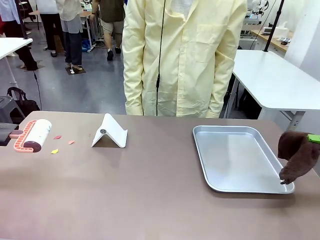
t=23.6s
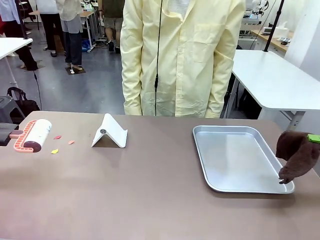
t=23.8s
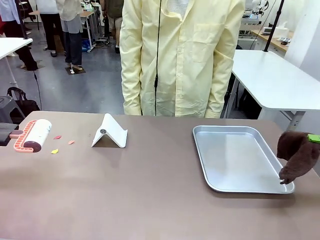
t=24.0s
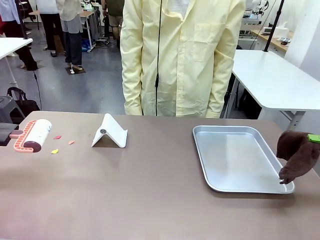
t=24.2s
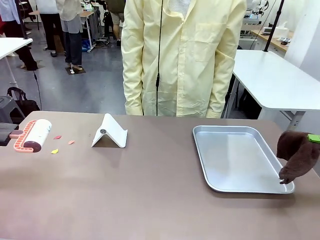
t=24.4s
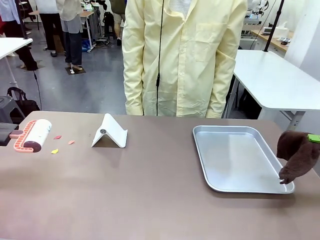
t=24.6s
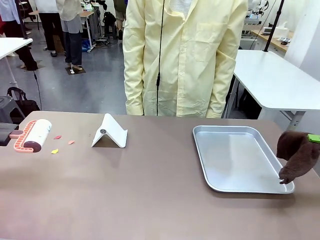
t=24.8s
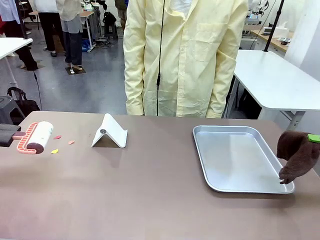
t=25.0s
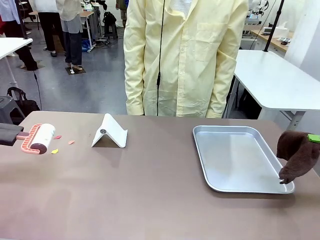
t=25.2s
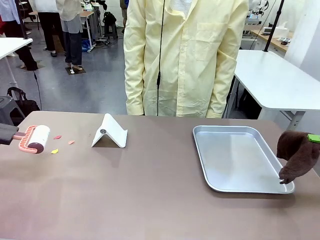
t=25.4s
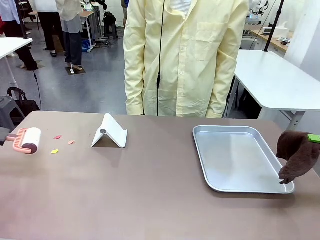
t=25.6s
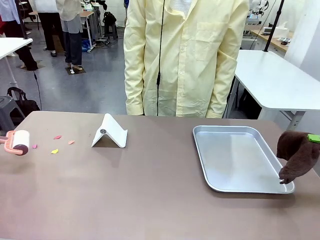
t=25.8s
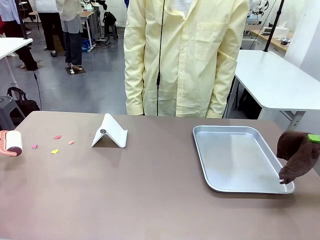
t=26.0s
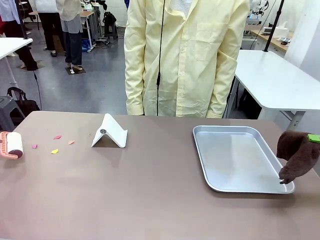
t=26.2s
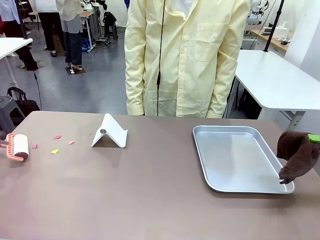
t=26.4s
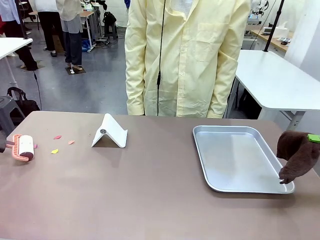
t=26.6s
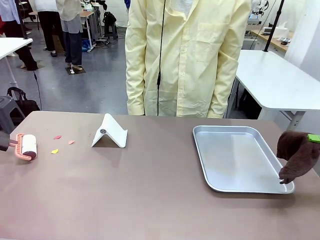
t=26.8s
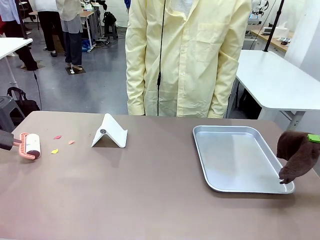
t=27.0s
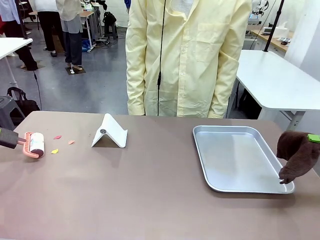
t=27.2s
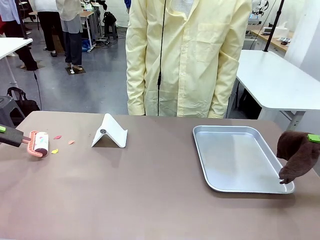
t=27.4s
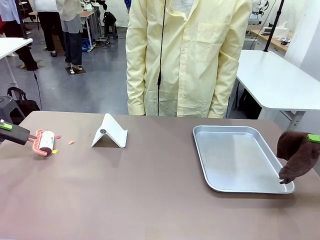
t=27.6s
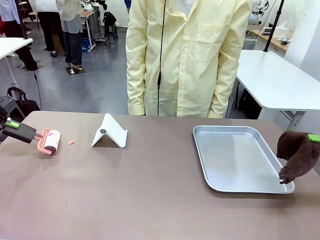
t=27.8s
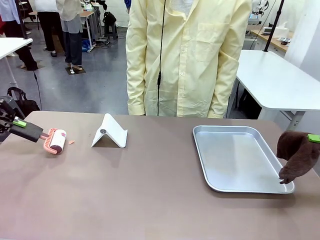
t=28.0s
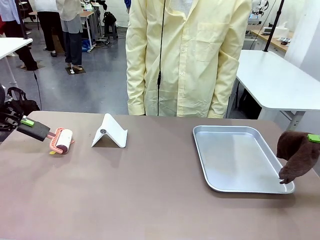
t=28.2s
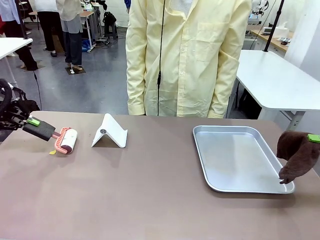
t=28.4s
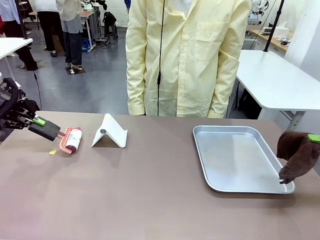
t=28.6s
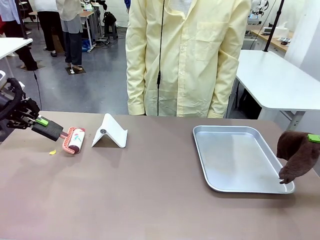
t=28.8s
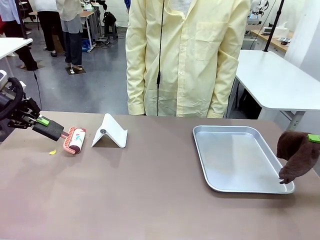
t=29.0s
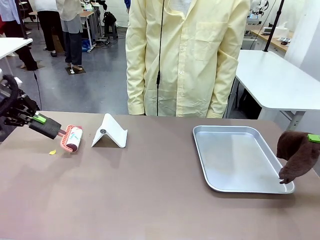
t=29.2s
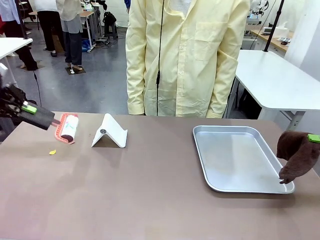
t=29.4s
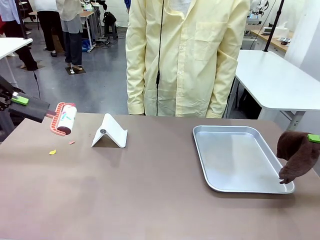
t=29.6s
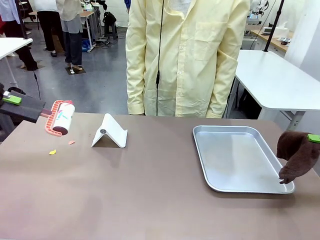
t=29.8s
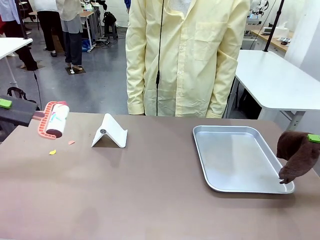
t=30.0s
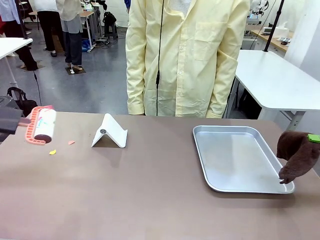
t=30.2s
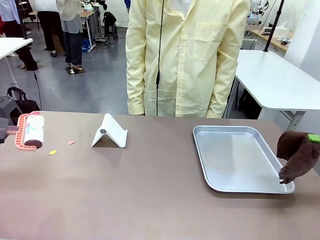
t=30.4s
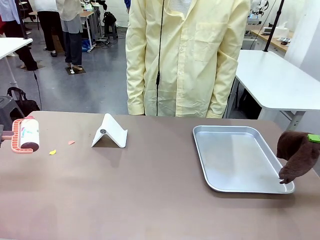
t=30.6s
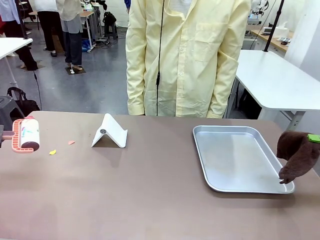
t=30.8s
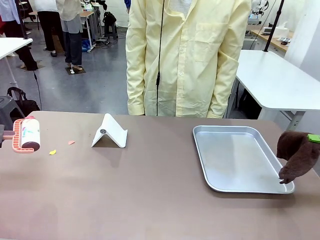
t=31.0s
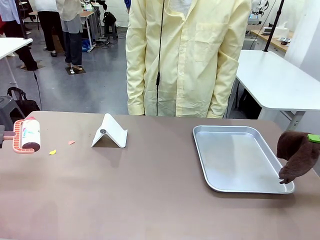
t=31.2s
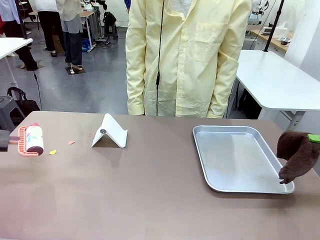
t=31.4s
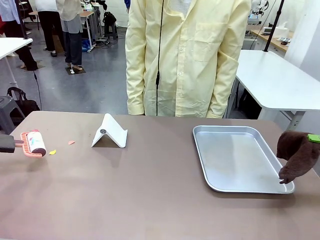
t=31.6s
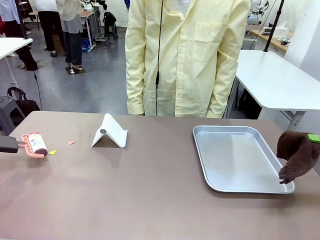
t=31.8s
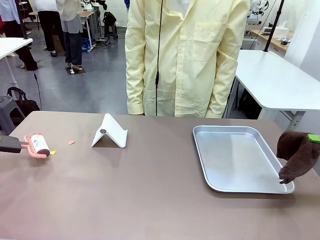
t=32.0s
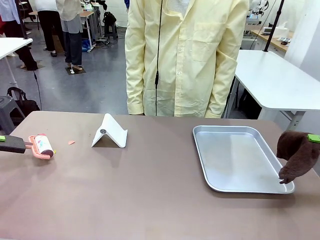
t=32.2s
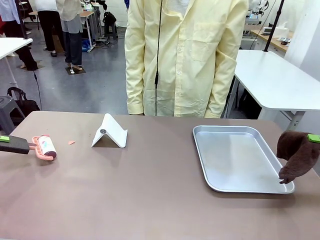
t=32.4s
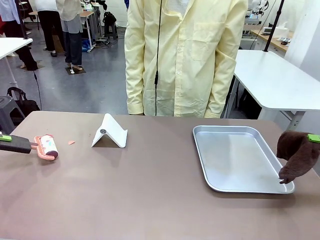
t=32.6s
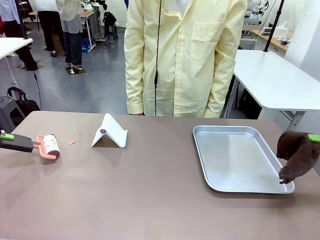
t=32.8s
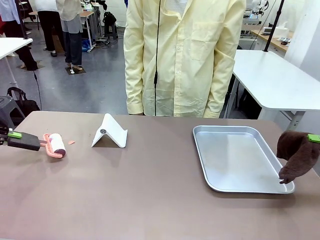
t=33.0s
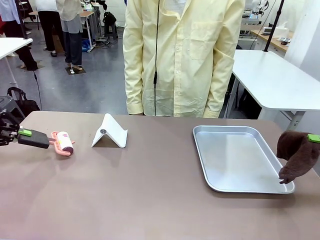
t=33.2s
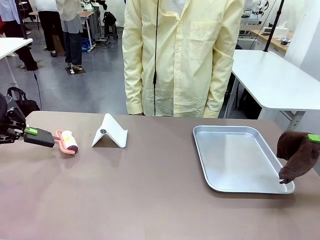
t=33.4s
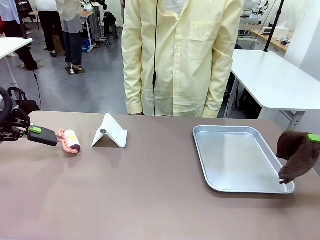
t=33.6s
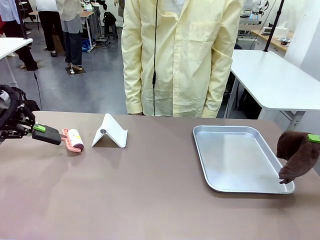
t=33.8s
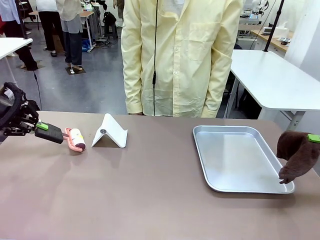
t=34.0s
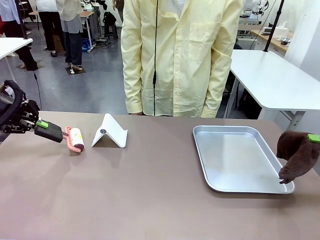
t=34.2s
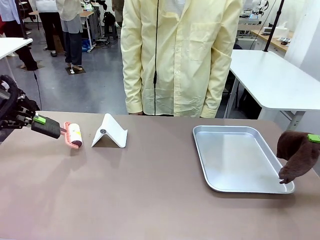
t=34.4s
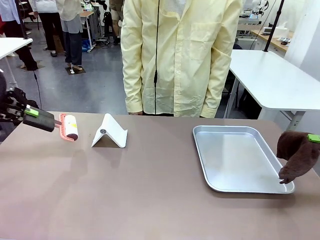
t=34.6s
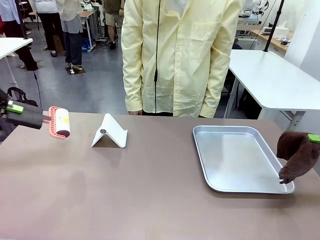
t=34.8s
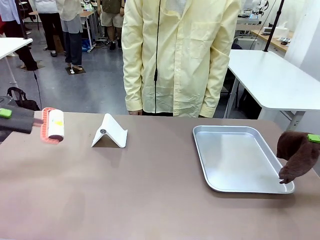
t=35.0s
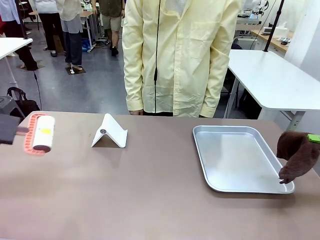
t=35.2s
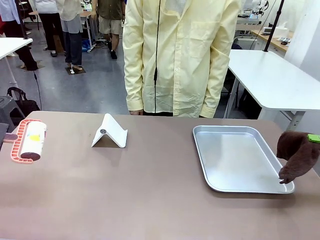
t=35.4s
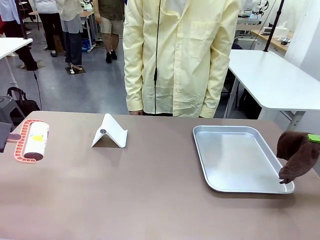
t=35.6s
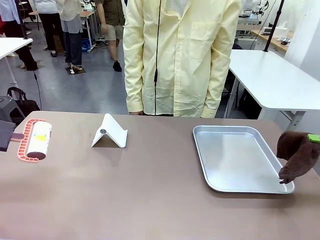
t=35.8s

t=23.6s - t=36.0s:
Task: Clean the surface of the table.
Robot: Clean the area not pointed to by the person.

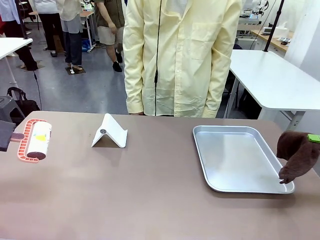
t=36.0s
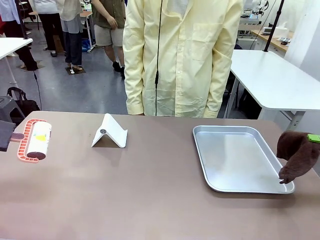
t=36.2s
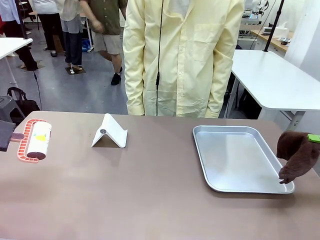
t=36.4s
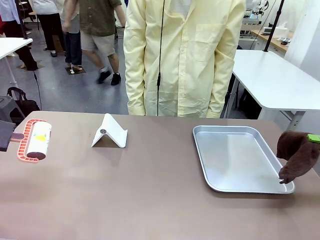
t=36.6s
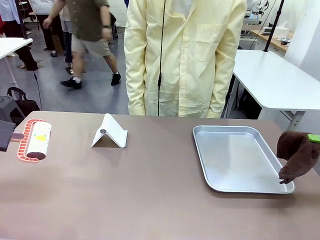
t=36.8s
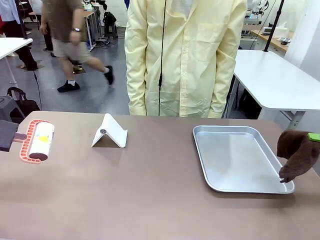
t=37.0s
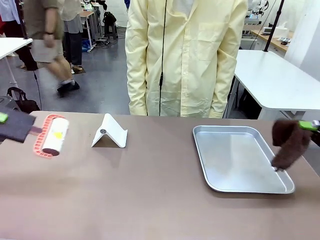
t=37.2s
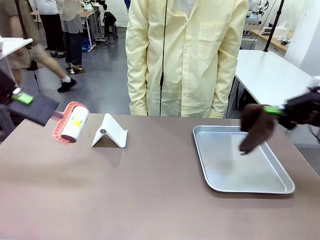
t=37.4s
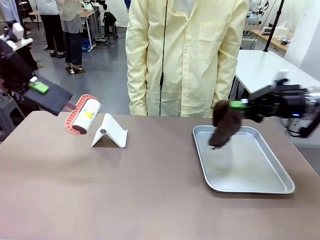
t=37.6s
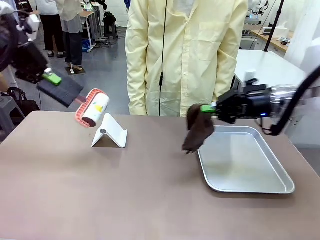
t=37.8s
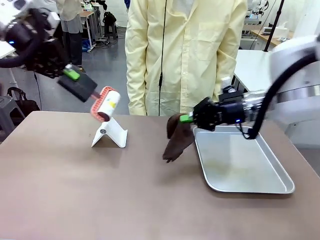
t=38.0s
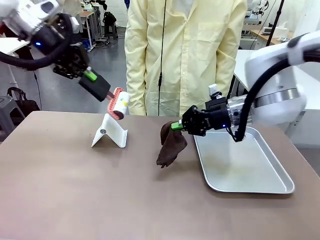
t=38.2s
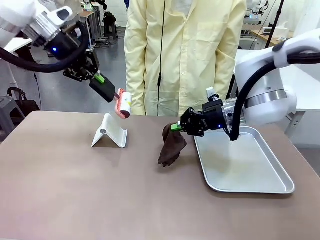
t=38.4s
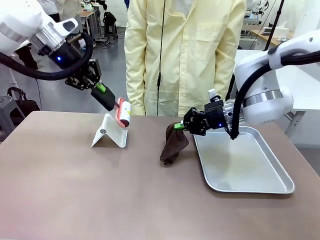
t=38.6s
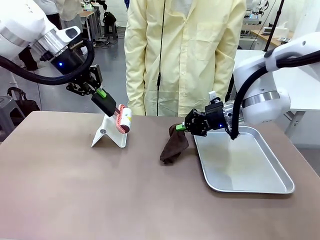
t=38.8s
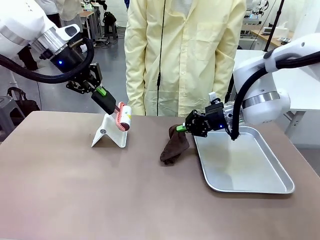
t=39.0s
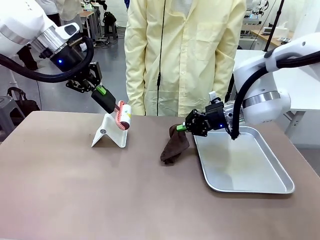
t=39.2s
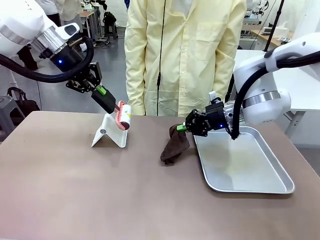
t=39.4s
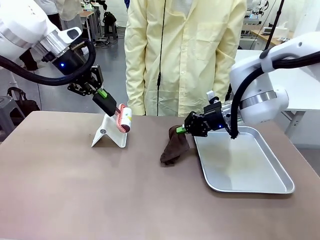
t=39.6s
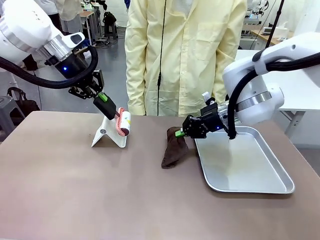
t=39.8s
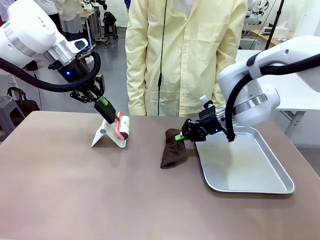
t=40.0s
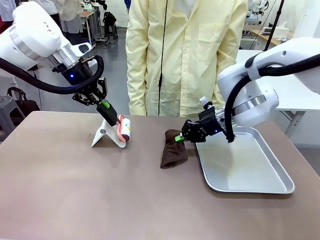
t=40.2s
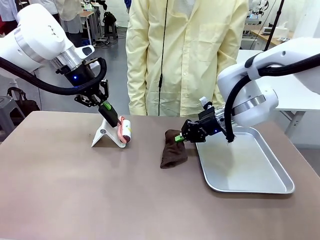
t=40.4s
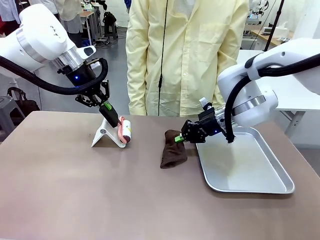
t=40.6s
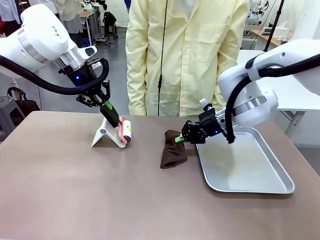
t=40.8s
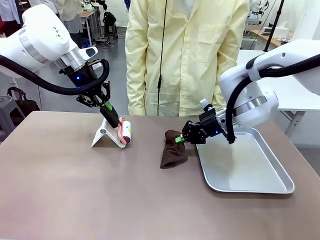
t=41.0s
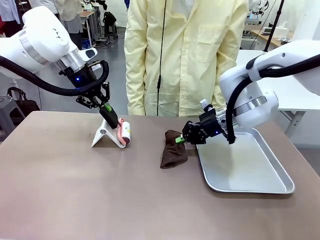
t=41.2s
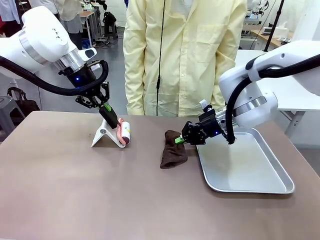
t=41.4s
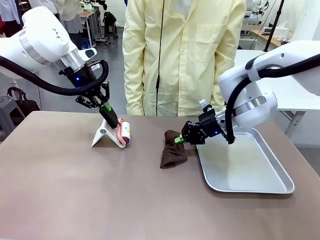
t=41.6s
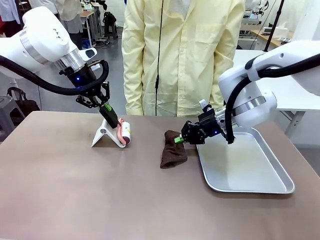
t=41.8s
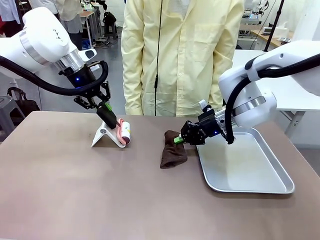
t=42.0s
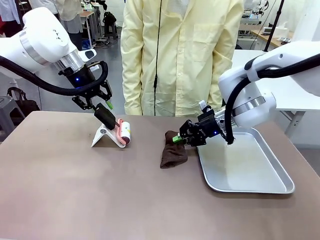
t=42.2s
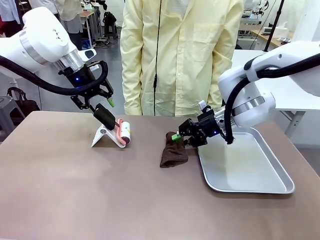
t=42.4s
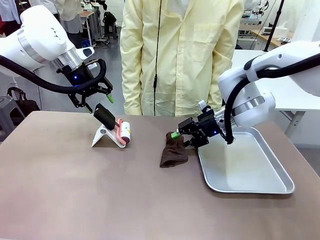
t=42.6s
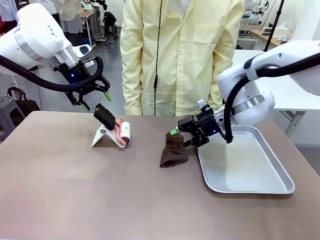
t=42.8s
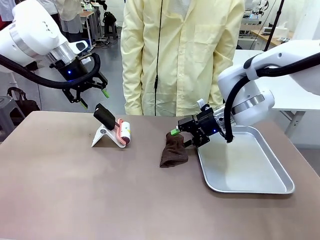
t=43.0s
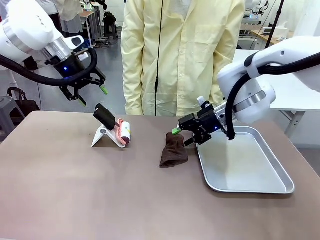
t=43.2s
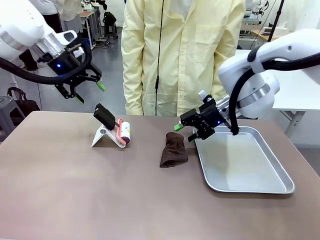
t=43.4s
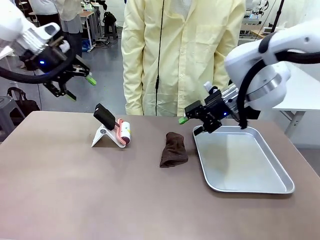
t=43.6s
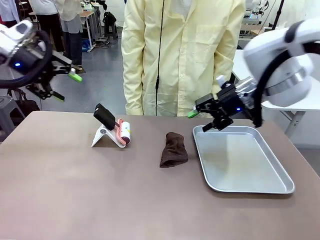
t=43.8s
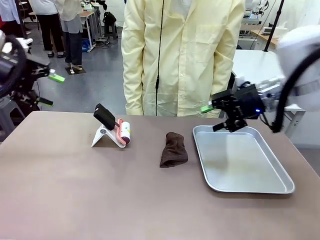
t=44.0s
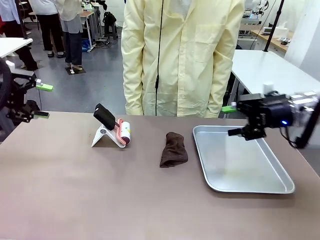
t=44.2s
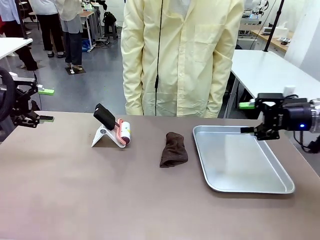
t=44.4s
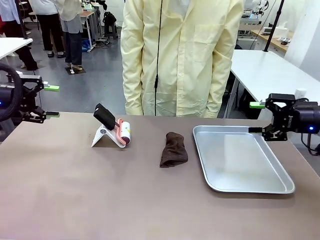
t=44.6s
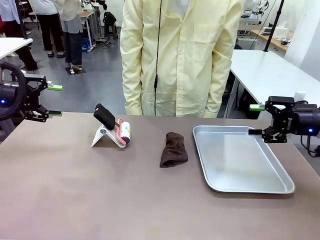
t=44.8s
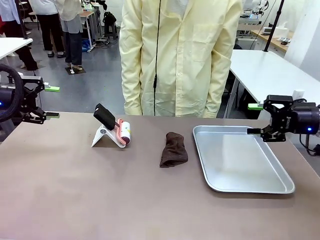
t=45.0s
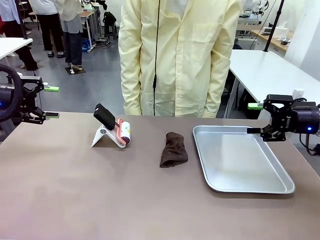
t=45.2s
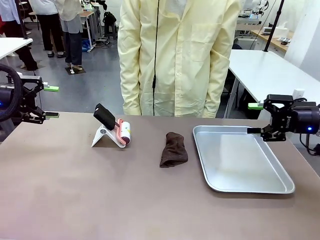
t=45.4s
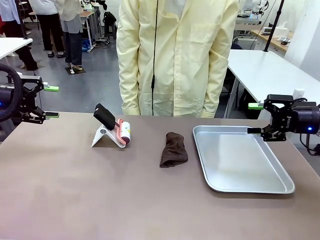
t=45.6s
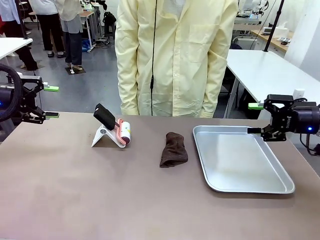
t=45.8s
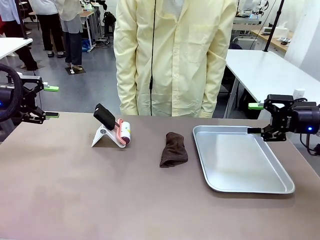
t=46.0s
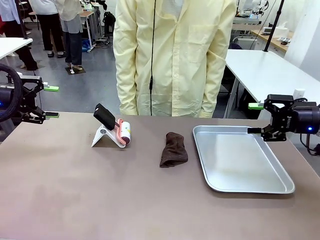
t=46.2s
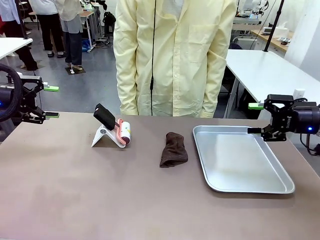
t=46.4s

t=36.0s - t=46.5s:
Robot: Return the Lint Roller and towel to their original positions.
